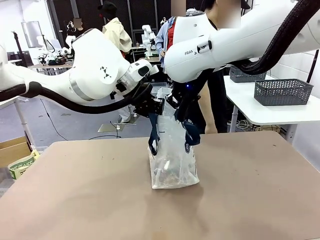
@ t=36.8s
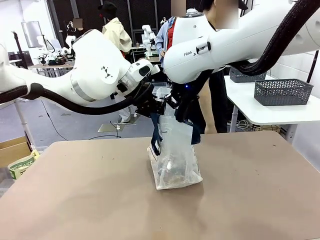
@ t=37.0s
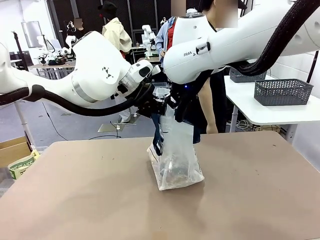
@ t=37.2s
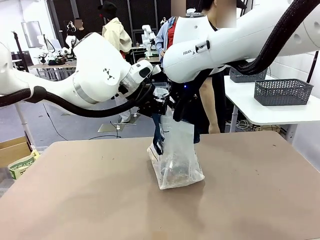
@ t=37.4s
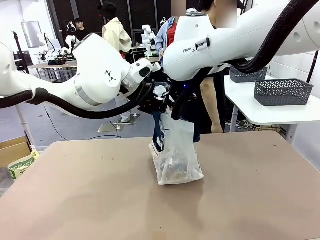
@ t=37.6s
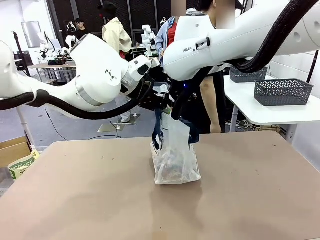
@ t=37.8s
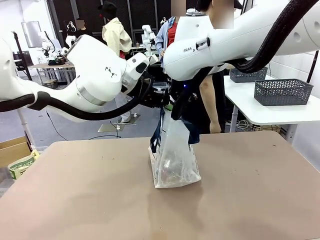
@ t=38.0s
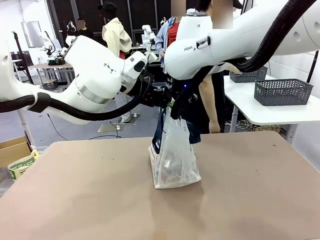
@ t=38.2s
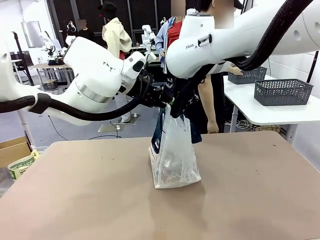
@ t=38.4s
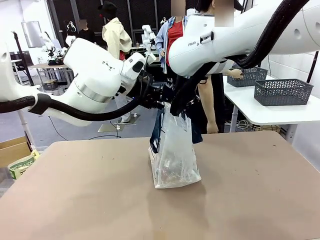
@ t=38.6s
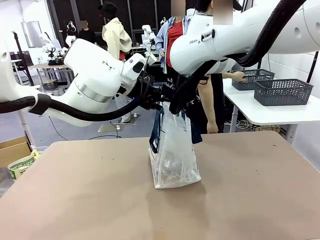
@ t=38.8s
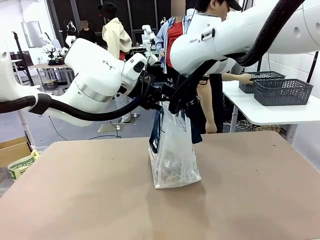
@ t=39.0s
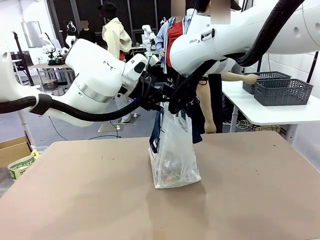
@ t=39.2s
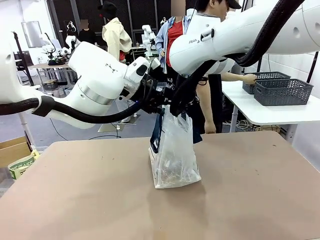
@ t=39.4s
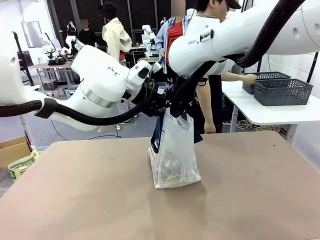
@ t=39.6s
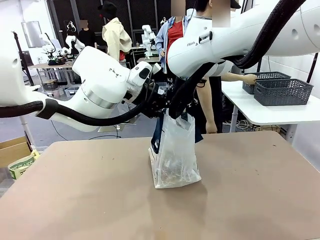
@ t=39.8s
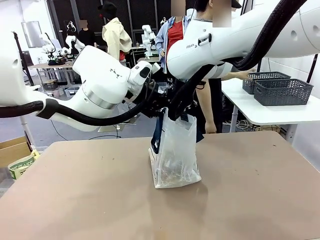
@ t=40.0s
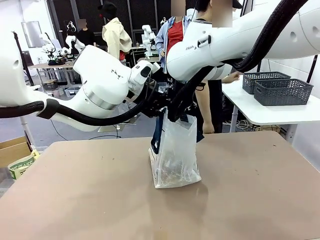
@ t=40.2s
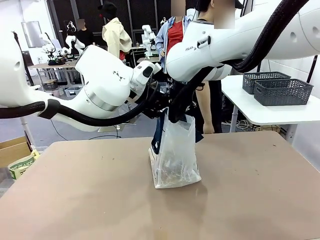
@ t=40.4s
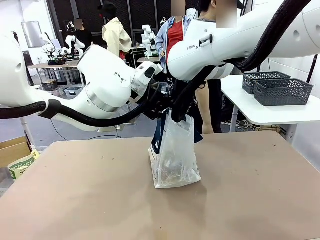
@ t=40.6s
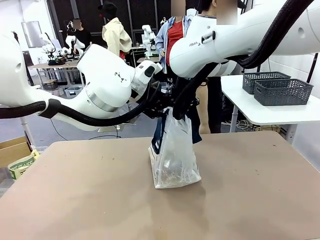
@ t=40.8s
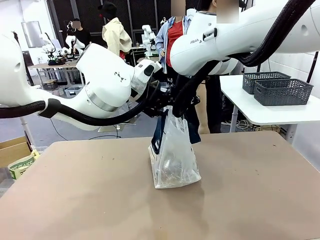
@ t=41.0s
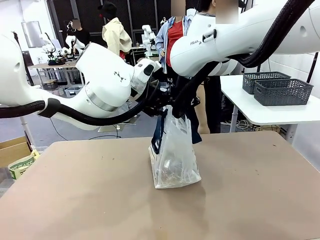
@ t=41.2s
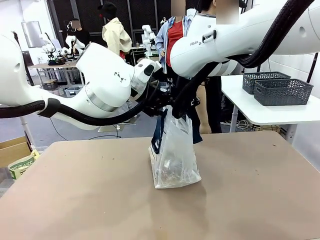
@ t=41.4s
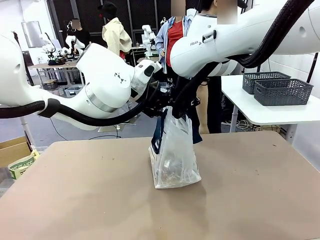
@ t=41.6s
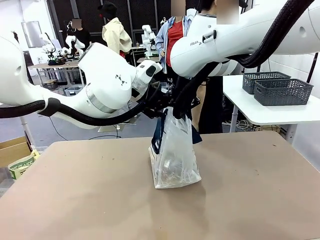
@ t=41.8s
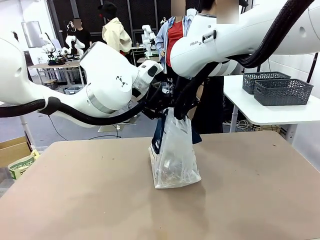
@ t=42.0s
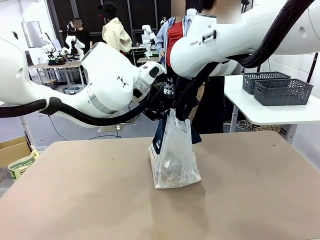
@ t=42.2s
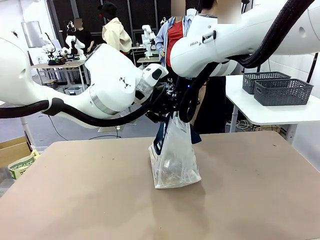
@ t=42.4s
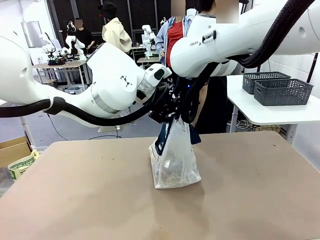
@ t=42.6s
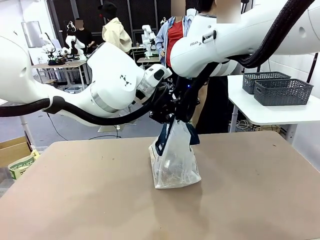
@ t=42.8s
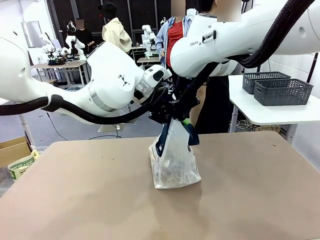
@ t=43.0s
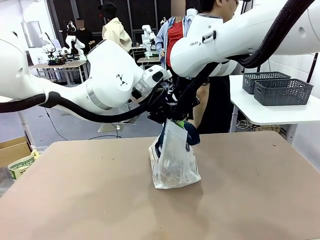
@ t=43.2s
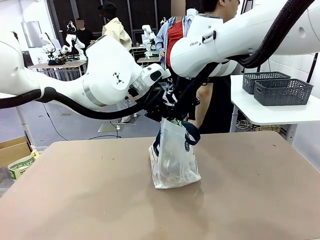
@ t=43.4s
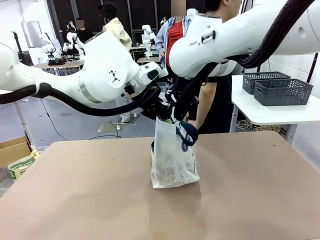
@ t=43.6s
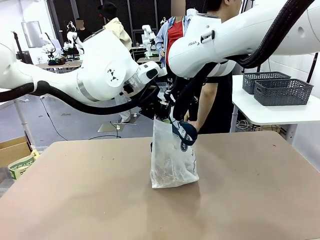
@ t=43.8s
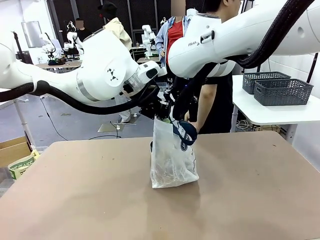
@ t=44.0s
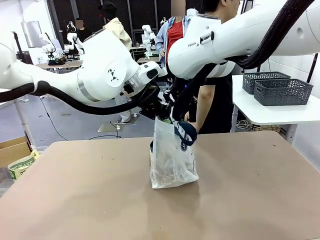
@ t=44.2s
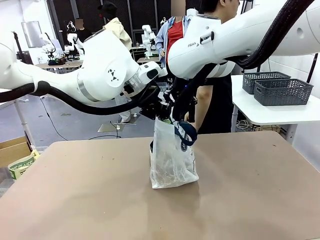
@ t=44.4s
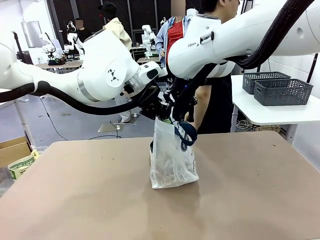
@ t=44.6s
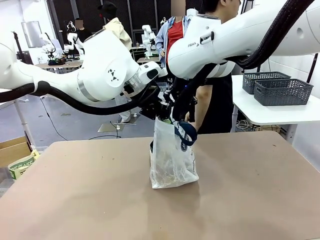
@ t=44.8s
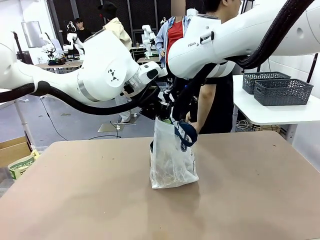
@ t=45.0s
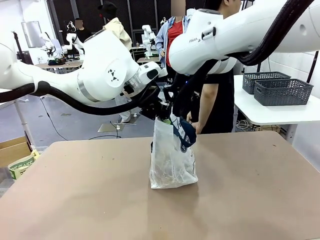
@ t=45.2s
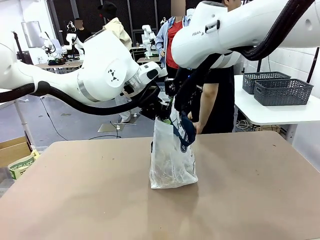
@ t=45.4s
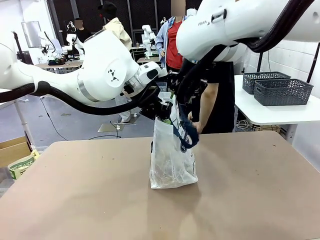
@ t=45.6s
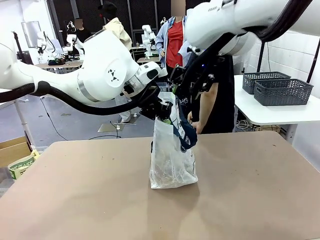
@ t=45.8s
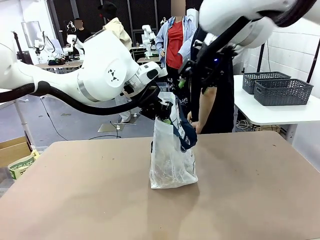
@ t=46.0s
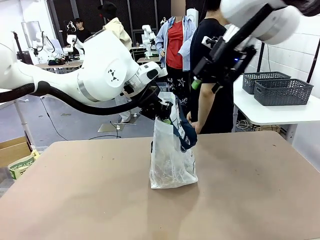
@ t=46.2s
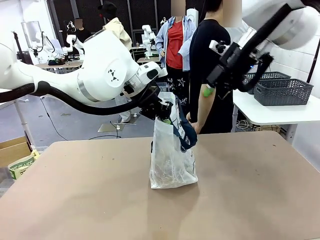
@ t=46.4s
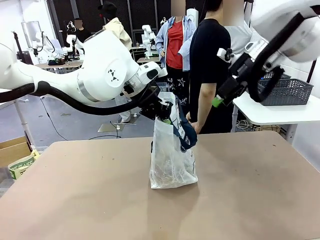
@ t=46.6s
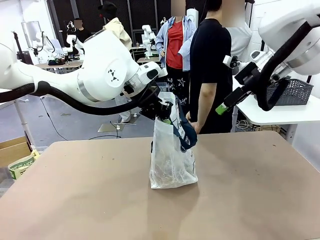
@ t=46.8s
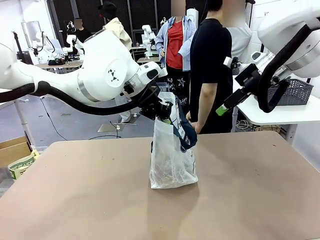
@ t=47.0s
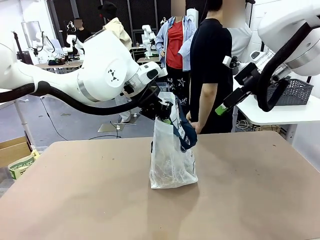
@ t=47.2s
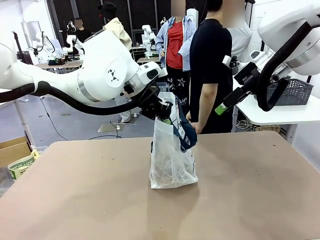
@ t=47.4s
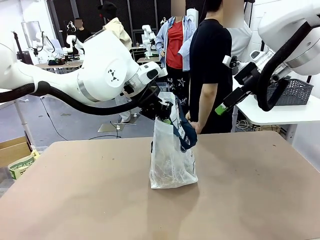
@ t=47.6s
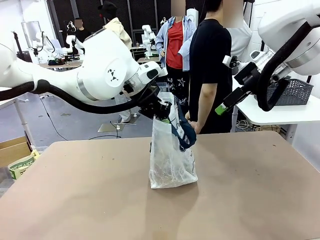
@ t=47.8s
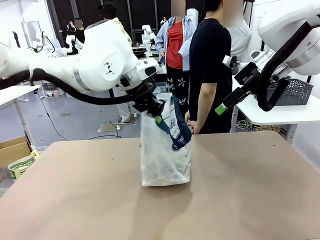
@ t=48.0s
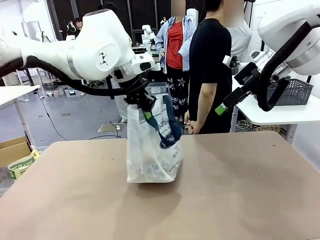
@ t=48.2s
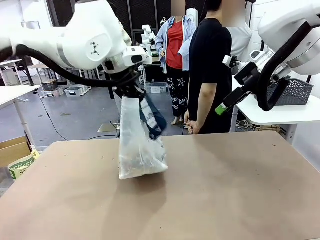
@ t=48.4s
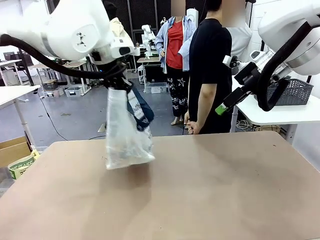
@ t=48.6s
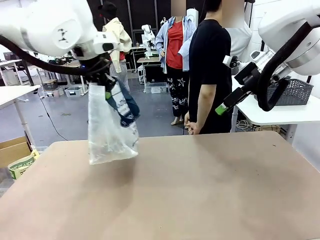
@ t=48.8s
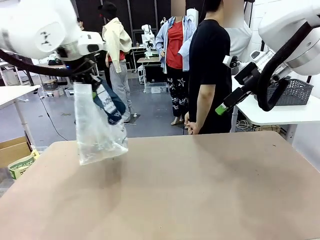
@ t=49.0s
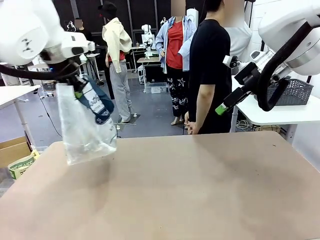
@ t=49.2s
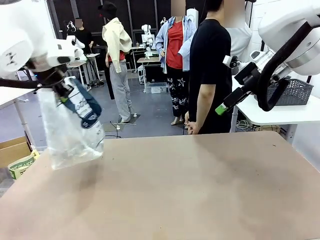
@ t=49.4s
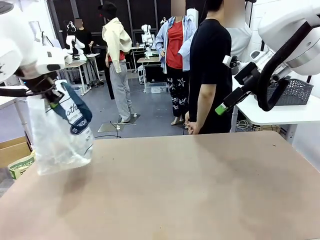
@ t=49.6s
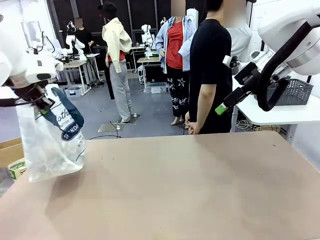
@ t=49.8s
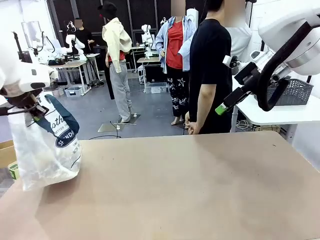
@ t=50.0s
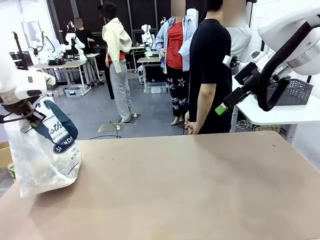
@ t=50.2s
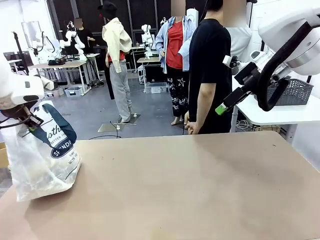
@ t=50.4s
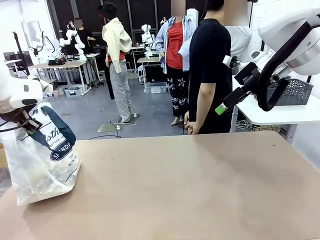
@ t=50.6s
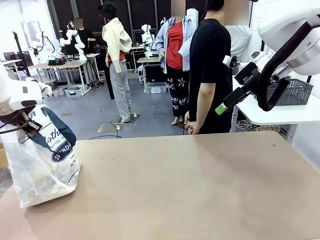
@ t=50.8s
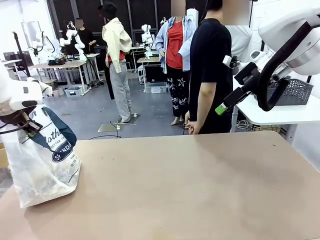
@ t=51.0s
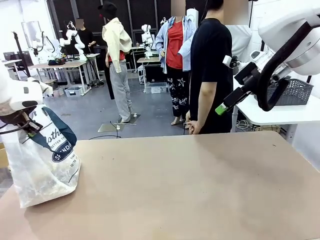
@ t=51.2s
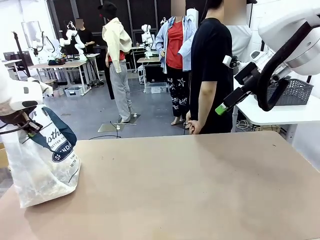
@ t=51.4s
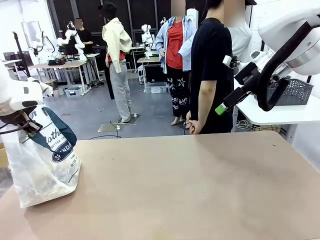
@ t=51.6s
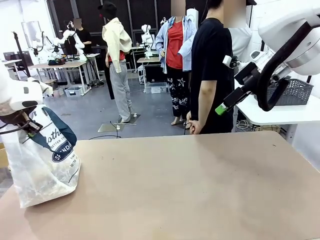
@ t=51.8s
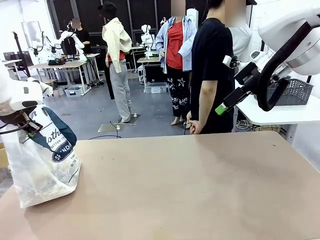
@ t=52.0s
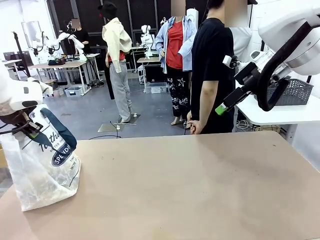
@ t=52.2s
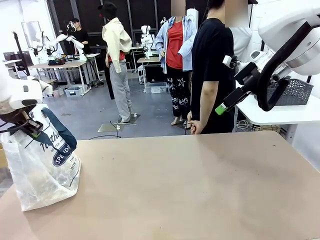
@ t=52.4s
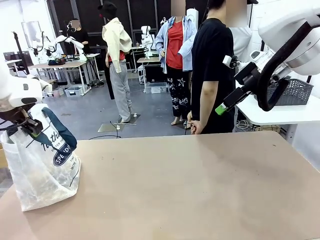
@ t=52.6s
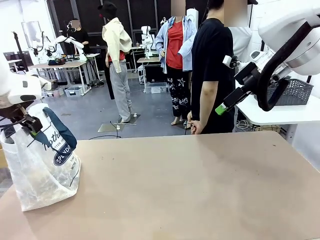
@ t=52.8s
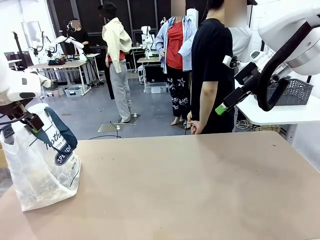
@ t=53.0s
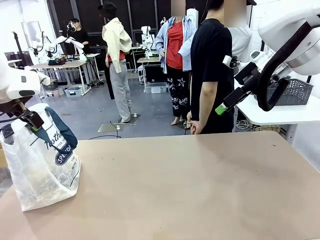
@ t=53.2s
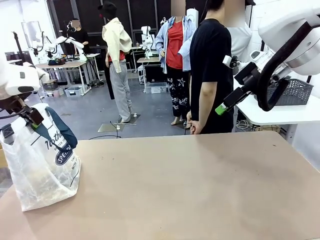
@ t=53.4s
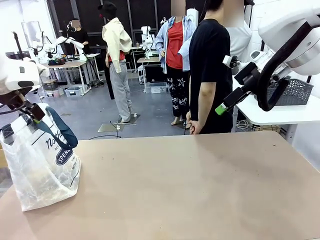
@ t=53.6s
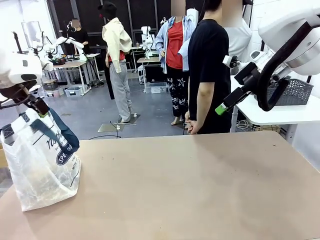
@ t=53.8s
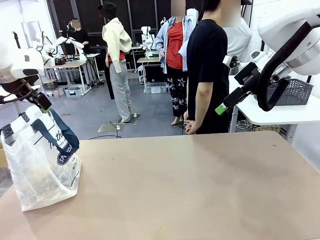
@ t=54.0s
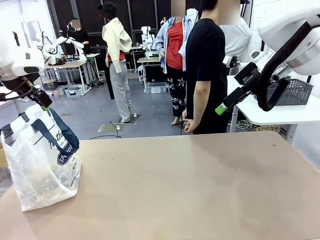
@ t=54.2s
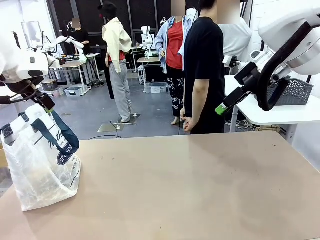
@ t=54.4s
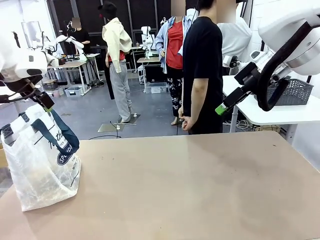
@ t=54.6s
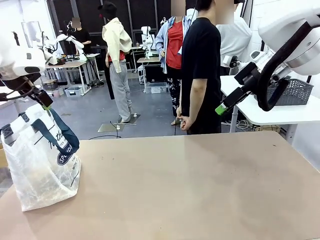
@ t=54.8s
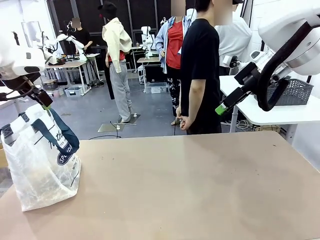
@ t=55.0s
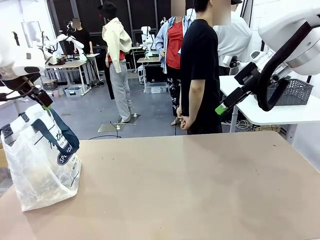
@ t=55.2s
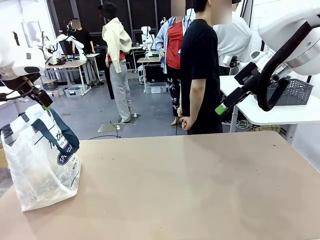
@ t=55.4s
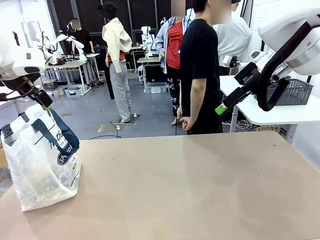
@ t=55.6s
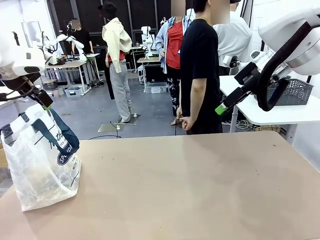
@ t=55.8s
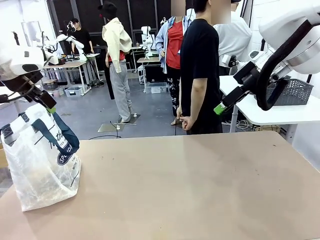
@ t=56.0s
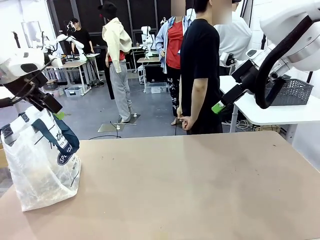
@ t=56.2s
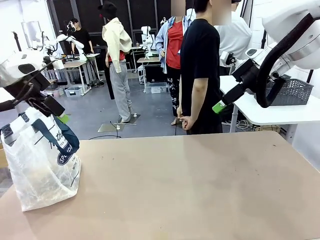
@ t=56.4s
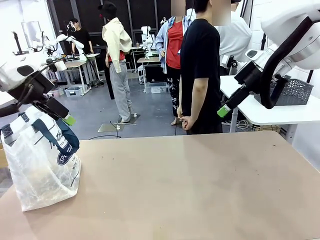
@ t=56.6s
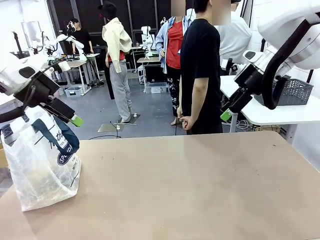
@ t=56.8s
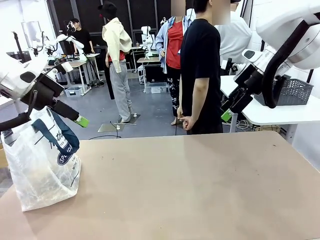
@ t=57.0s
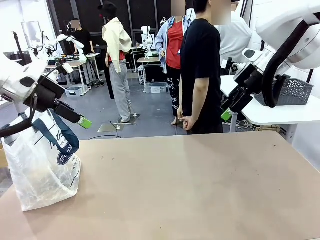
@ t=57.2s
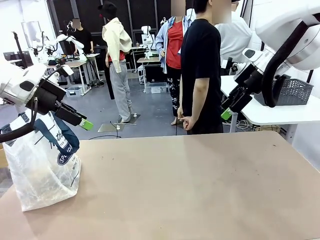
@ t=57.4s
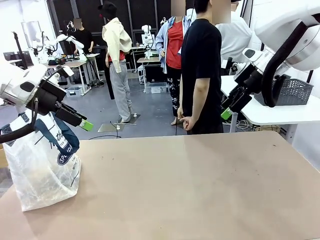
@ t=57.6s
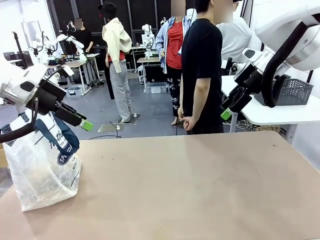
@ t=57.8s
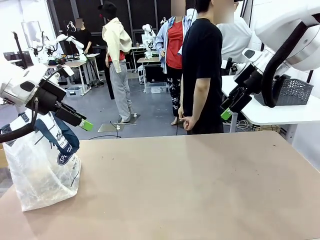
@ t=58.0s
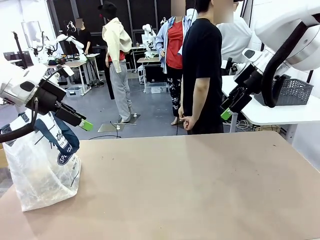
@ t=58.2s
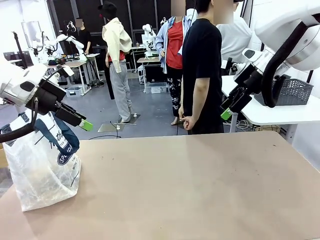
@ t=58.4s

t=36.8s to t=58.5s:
Task: Transfer purchased items from the store into the shopping bag.
Robot: Move the Reusable shopping bag to the right side of the table.
Person: Move the basket on the left to the middle of the person's table.
